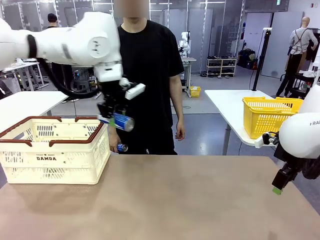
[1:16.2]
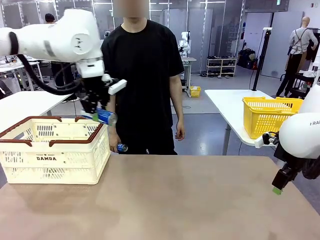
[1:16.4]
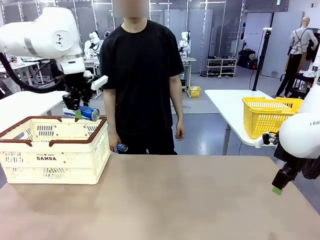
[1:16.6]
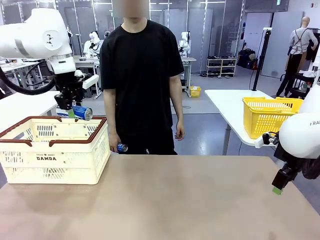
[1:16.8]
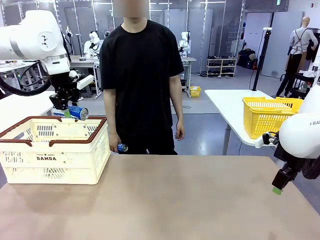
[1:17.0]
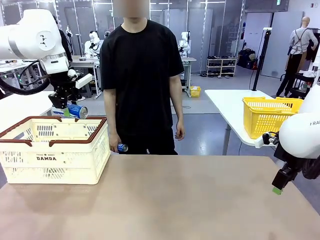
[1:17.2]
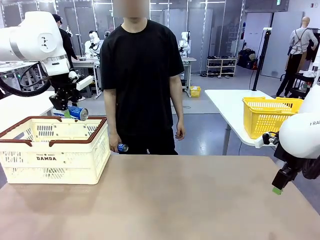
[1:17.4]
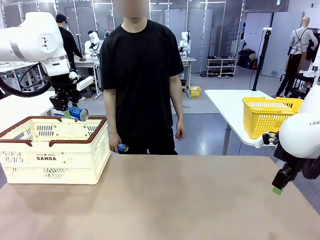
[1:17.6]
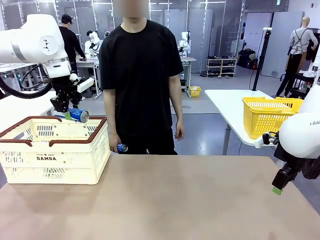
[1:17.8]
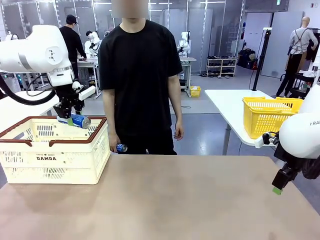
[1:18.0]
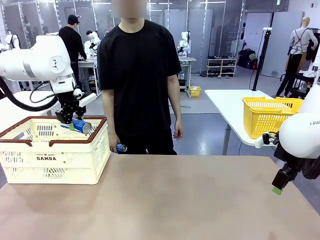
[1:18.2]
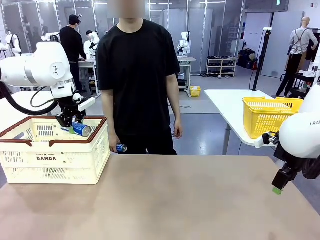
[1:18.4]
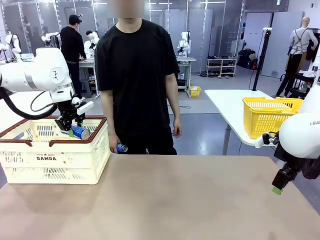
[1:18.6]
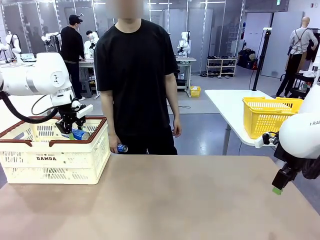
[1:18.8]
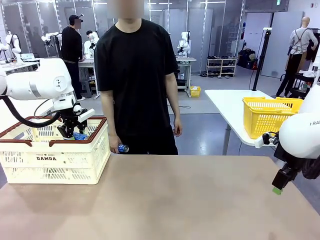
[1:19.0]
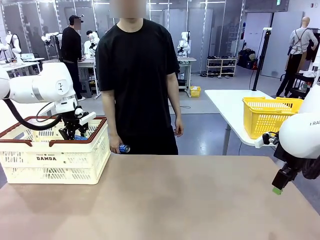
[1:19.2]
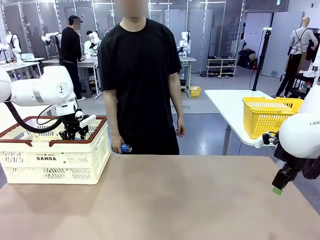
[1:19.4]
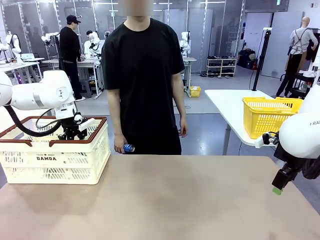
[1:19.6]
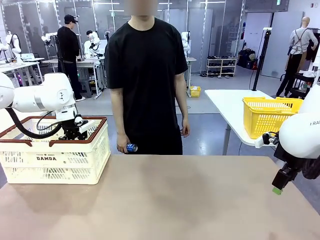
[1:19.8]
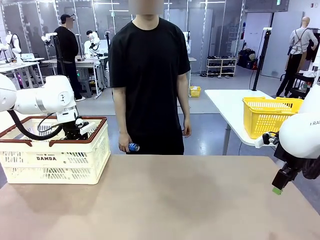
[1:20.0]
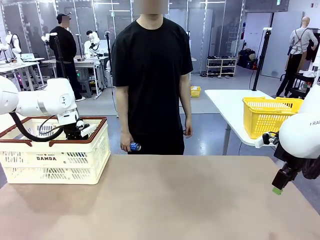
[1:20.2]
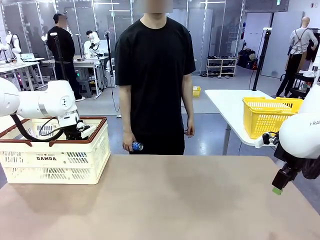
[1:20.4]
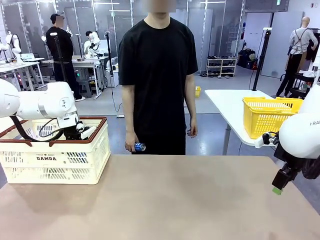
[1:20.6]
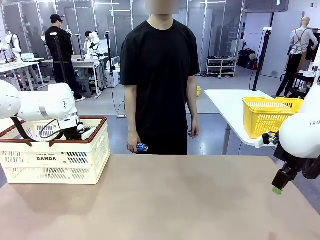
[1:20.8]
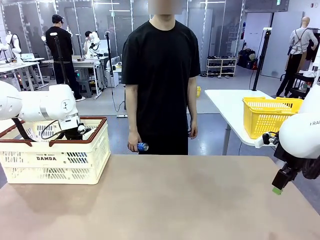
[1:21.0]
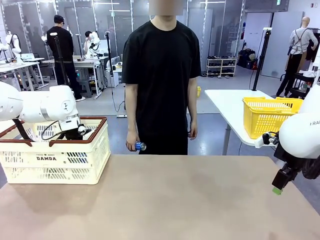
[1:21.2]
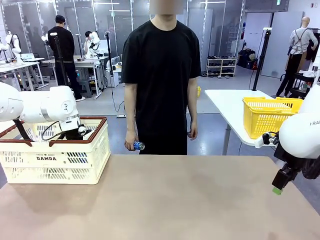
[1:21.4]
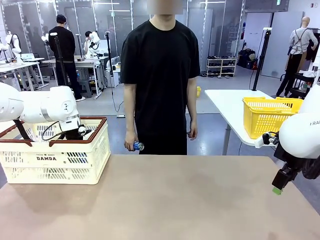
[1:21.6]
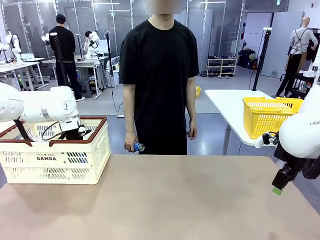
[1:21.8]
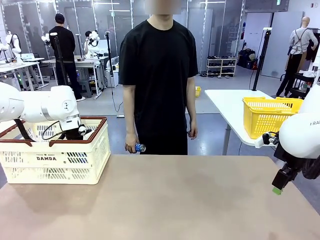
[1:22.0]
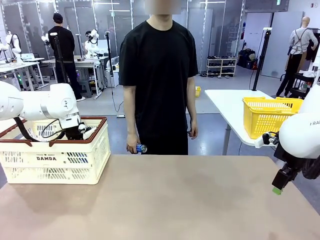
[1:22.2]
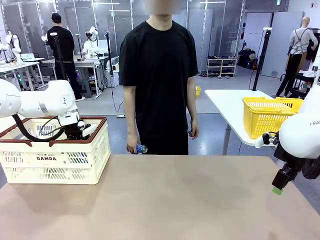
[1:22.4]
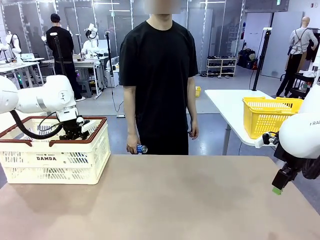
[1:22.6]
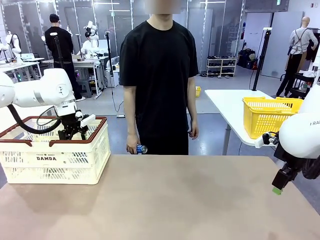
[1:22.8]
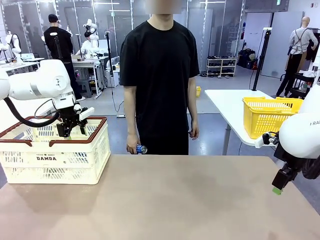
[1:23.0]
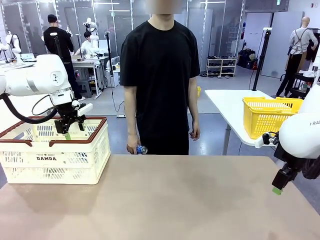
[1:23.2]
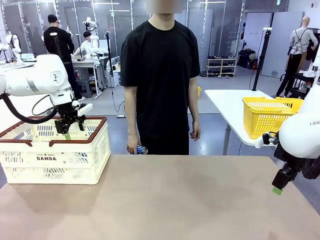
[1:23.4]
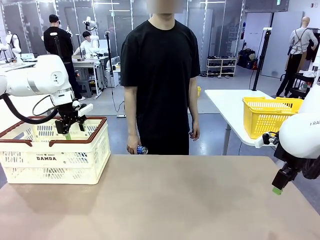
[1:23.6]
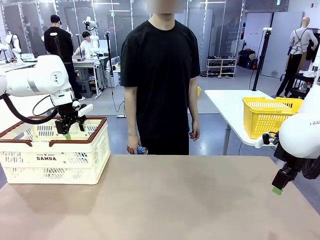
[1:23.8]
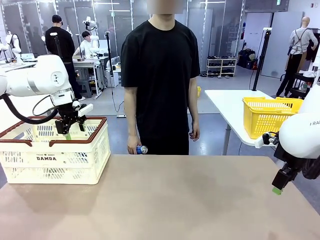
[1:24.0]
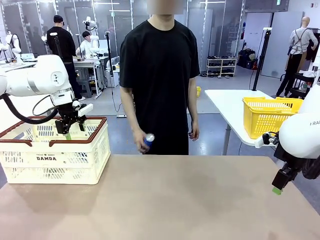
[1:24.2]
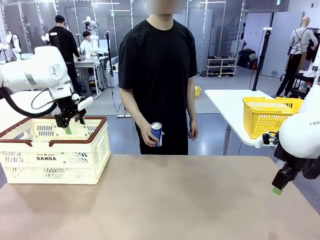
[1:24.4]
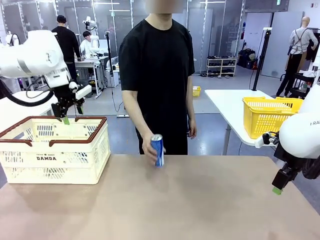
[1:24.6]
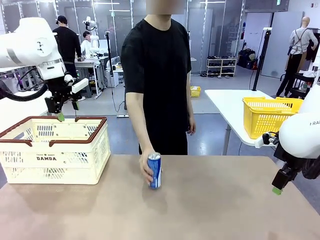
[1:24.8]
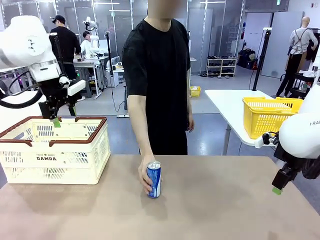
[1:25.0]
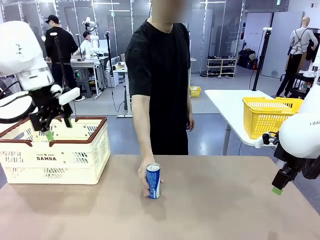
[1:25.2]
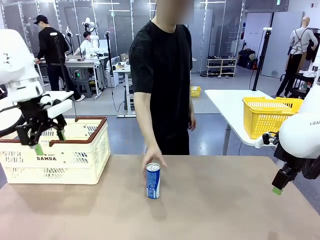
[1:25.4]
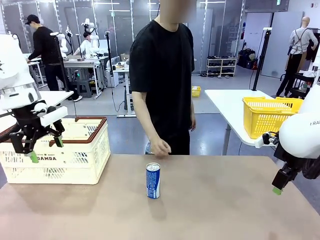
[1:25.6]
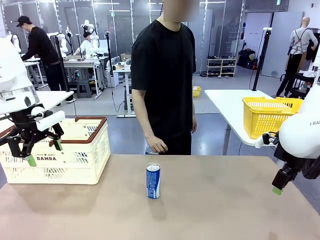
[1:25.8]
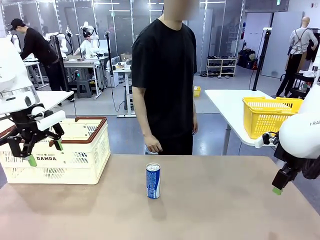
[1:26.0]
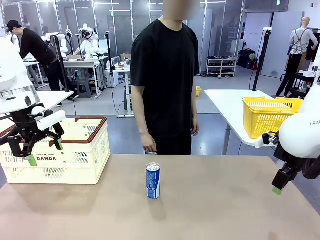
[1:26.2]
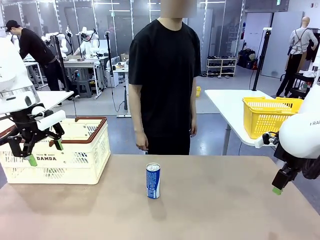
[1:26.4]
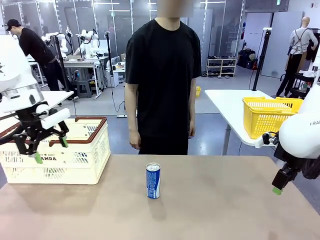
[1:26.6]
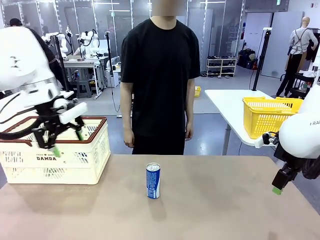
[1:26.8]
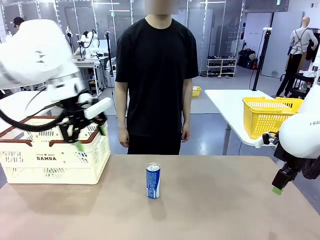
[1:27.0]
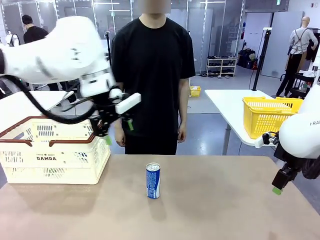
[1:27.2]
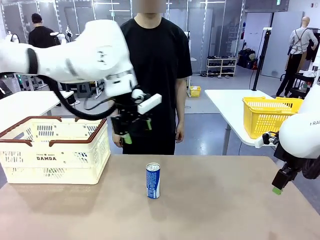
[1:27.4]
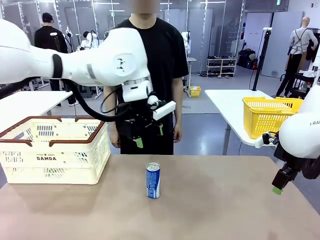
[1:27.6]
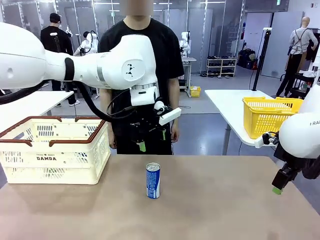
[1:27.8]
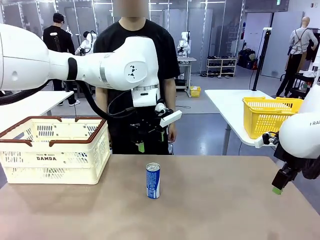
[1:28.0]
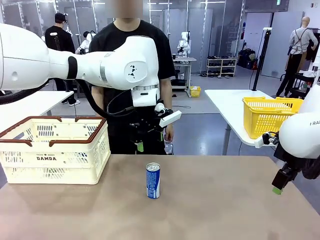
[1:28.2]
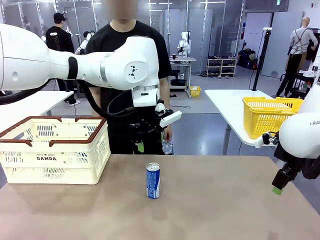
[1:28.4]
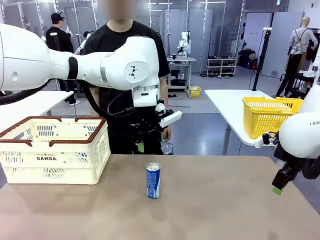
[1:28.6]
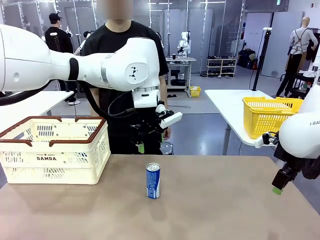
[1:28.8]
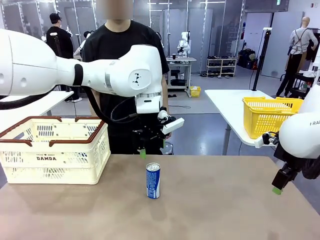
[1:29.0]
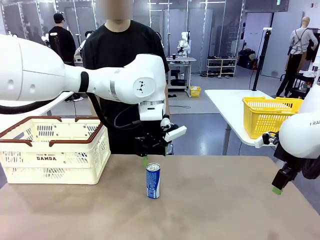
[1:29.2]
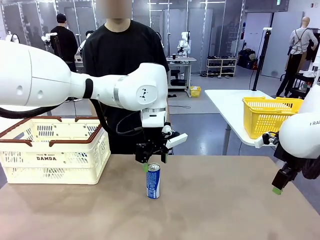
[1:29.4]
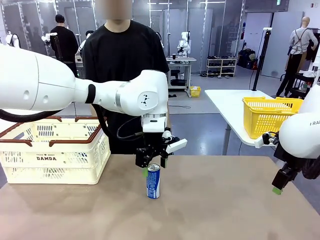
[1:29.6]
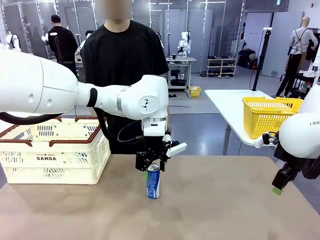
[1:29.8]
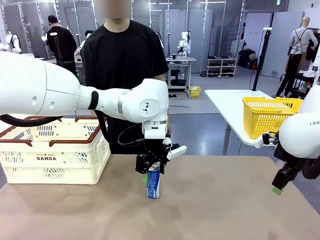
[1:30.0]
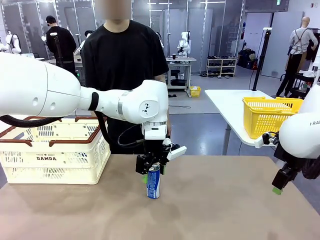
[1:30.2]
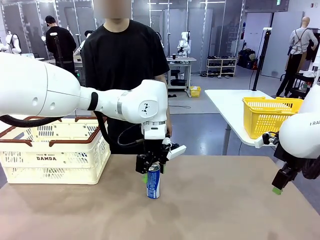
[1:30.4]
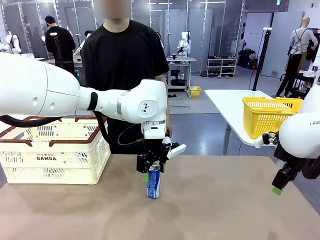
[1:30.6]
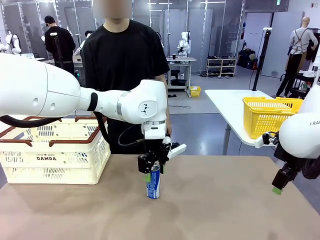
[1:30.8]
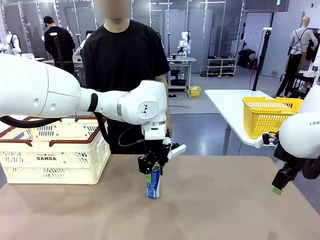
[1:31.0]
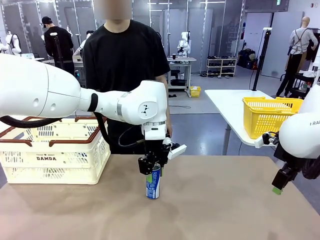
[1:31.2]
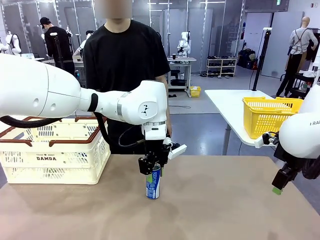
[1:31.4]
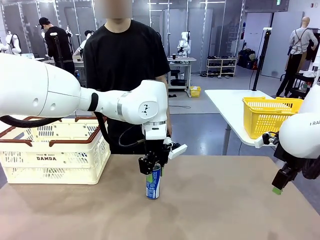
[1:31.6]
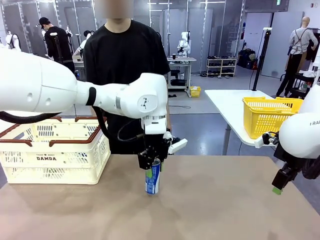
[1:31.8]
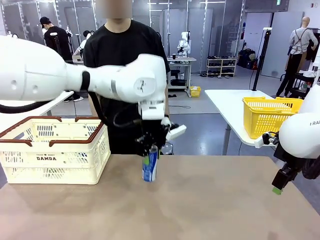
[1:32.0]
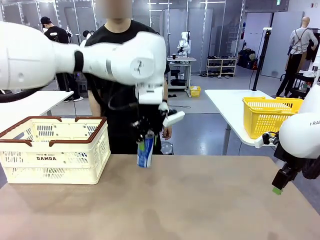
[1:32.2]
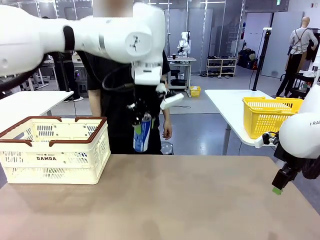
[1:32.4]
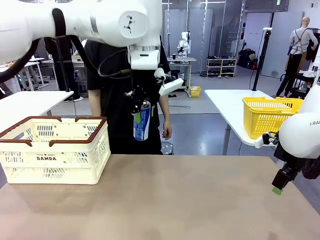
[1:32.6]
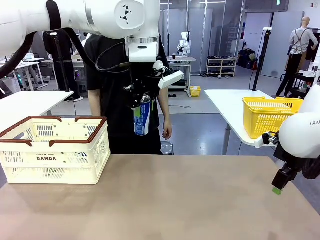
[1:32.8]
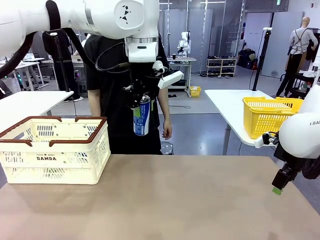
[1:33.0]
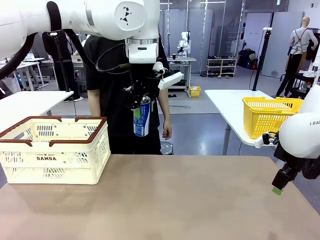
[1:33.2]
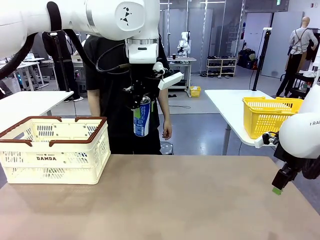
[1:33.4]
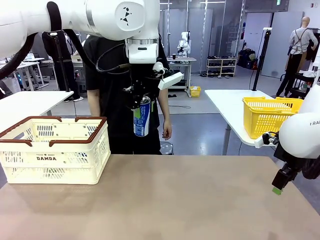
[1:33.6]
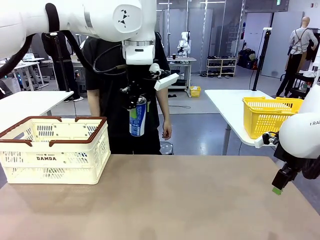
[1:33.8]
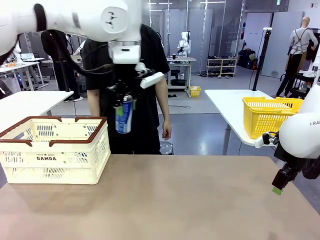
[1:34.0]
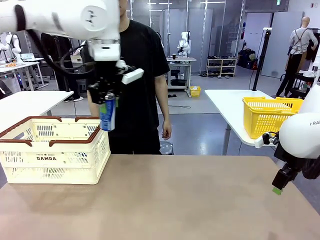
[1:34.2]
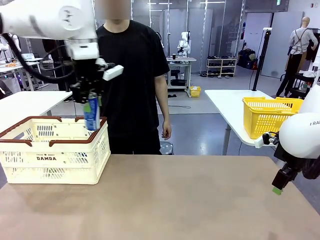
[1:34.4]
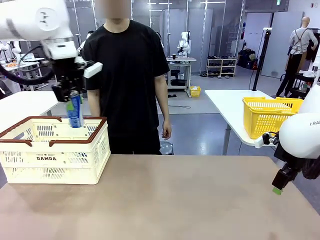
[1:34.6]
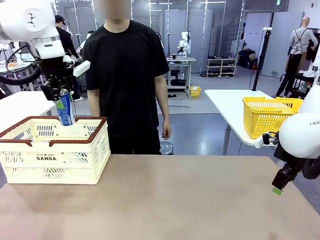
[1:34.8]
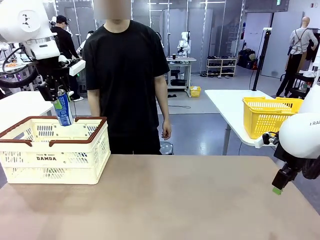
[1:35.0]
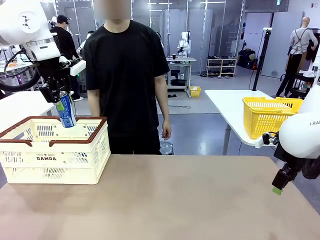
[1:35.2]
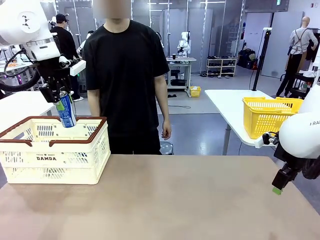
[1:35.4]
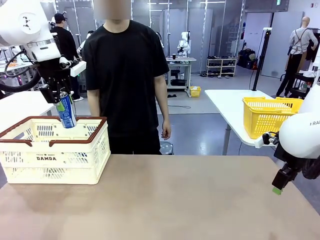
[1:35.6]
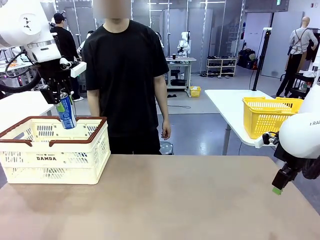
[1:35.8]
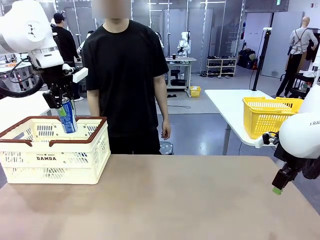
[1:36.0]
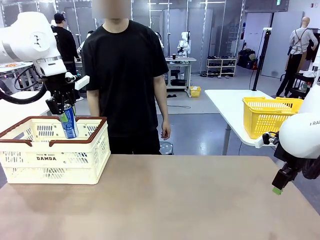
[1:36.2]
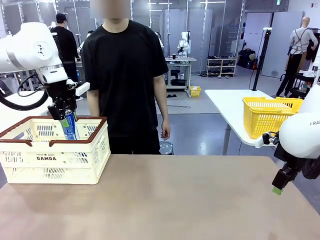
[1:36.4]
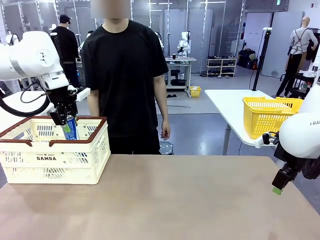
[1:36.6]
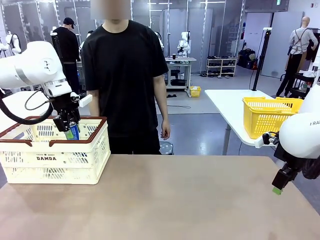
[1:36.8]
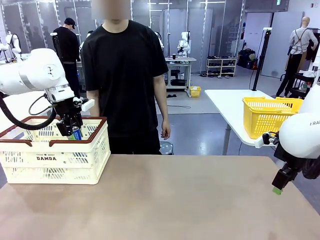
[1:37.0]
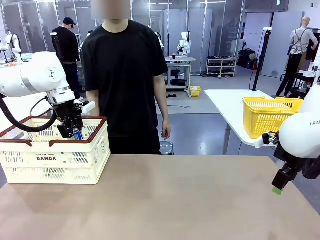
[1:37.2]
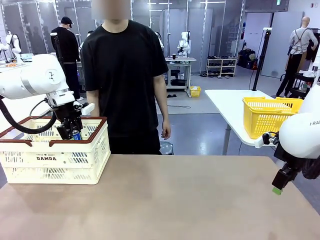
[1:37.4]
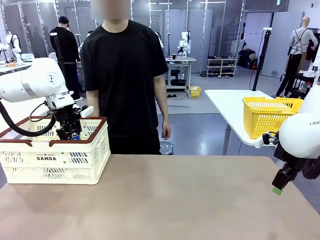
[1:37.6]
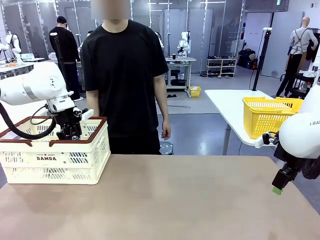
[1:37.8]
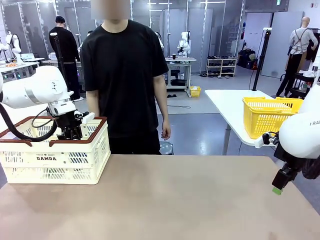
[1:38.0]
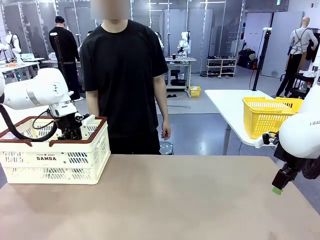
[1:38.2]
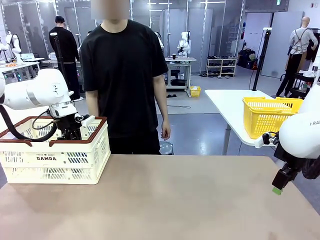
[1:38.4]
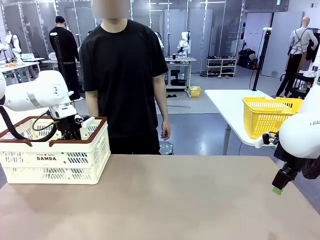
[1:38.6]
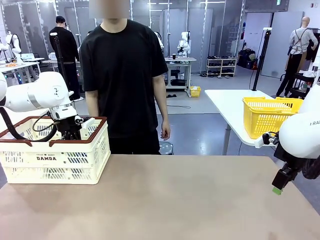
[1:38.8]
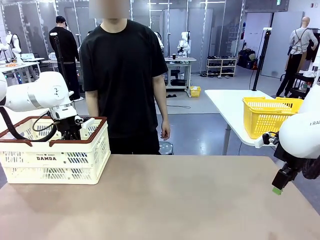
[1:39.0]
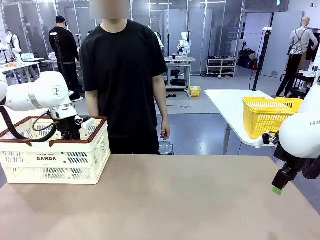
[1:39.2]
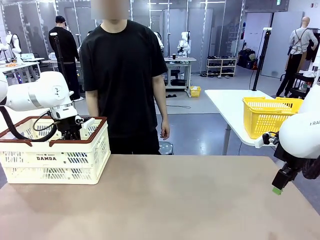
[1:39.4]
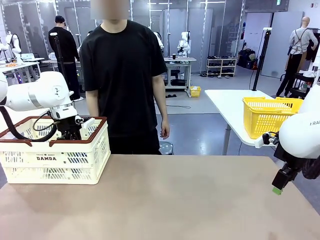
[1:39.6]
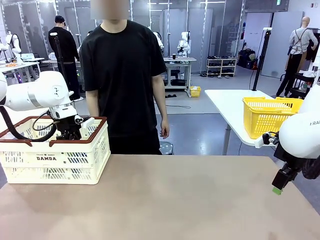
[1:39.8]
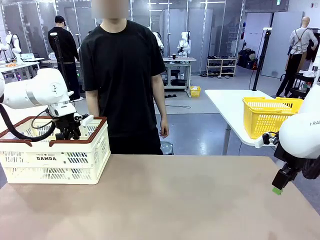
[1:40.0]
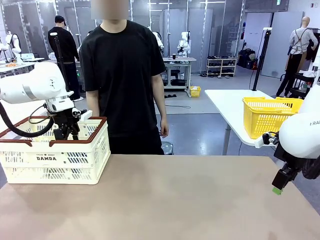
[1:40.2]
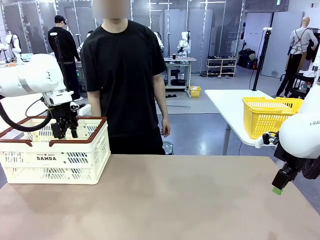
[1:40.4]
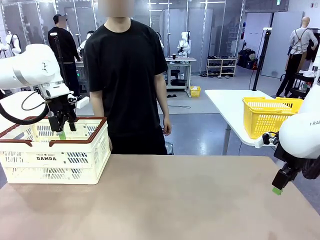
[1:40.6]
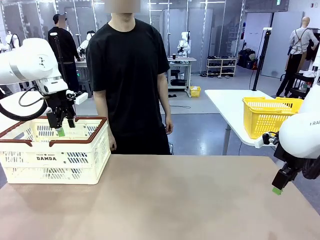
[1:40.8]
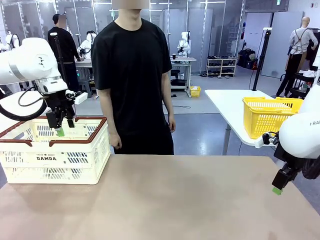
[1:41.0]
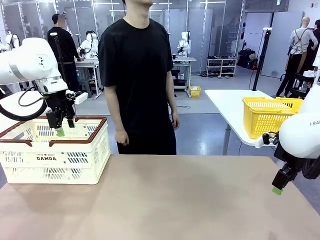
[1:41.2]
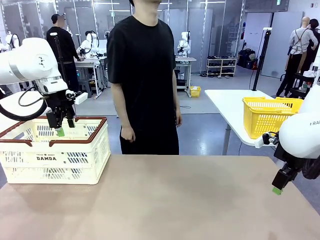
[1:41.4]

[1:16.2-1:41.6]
Task: Place the drinks into the Shopping basket.
Robot: Pick up one drink and place it into the Shopping basket.
